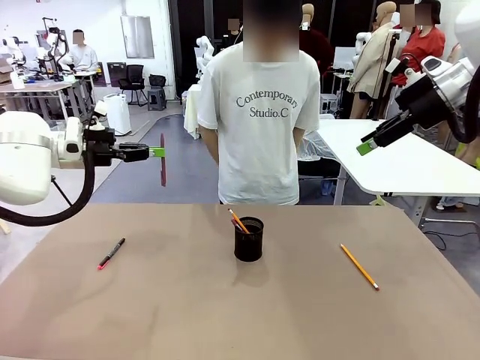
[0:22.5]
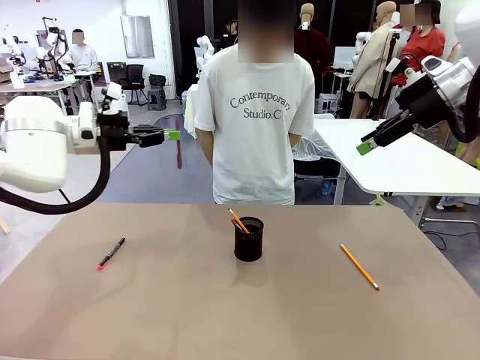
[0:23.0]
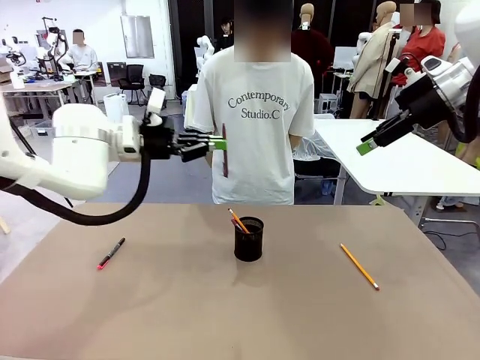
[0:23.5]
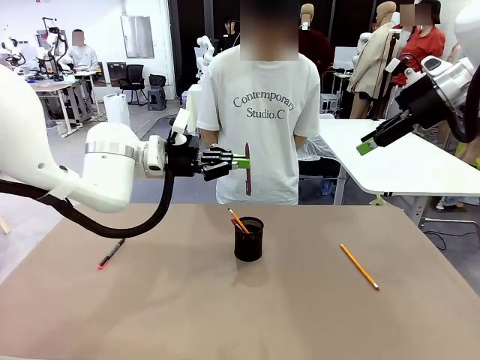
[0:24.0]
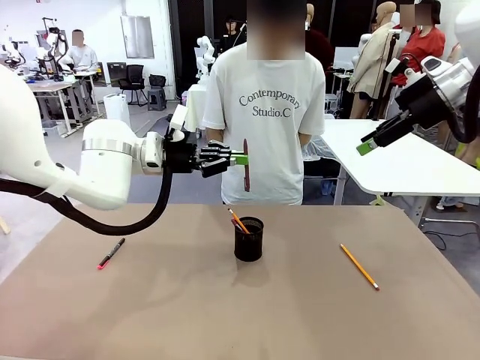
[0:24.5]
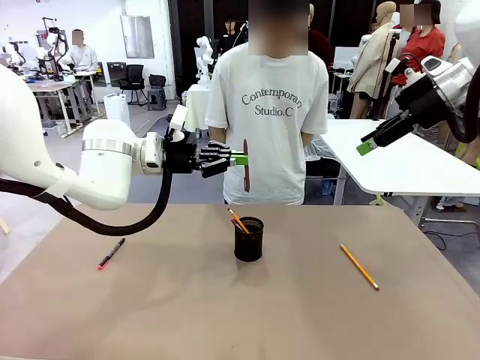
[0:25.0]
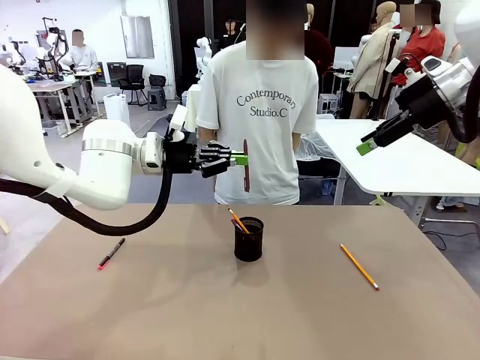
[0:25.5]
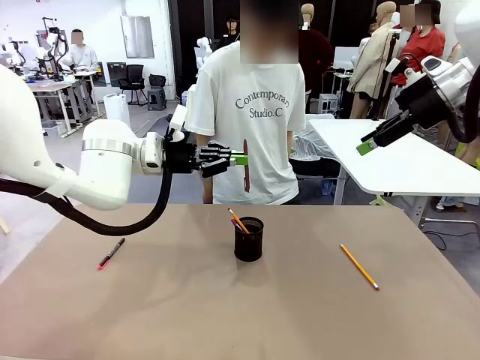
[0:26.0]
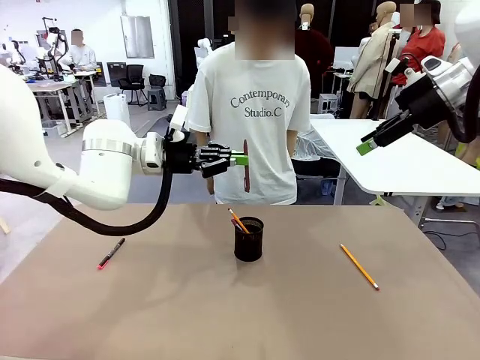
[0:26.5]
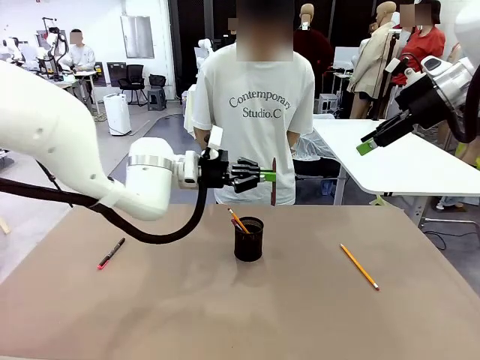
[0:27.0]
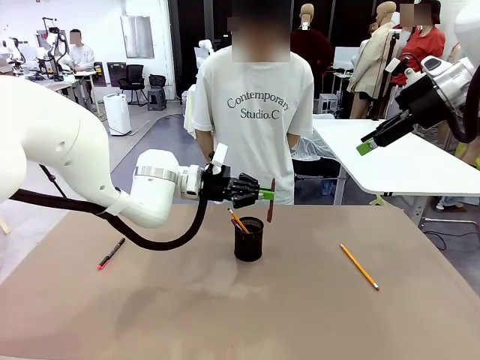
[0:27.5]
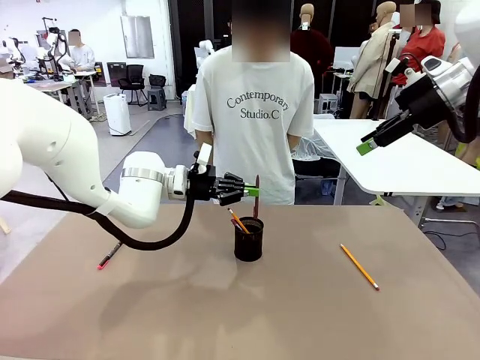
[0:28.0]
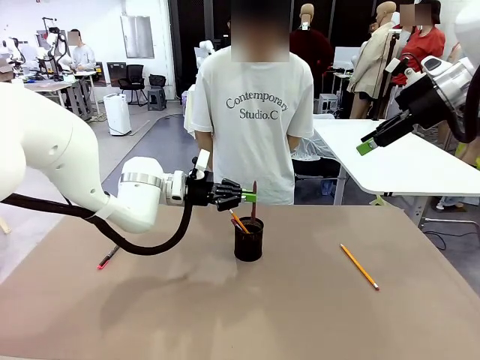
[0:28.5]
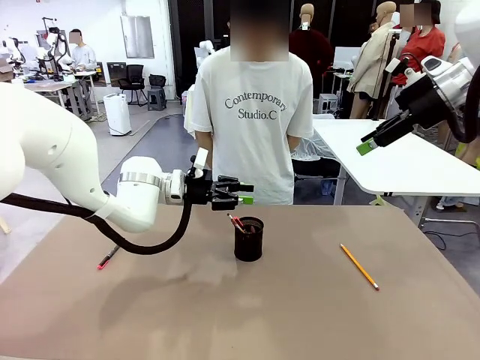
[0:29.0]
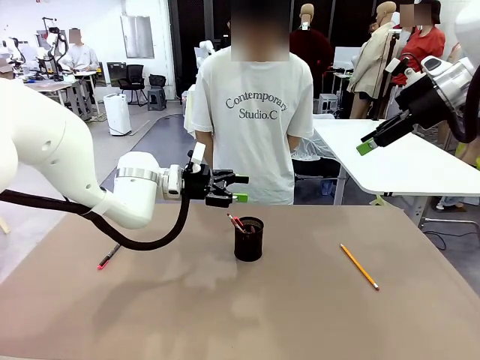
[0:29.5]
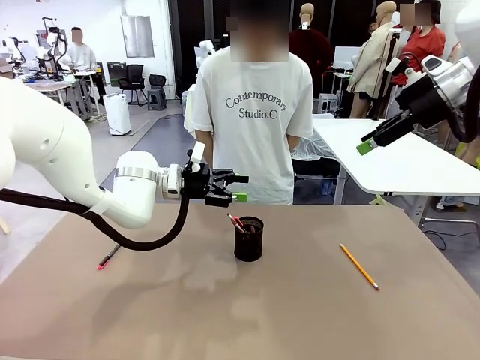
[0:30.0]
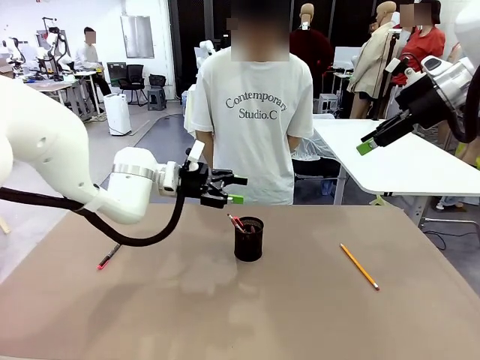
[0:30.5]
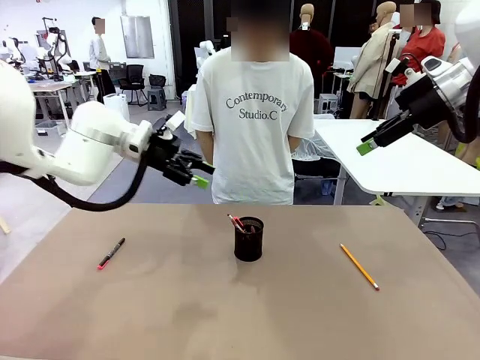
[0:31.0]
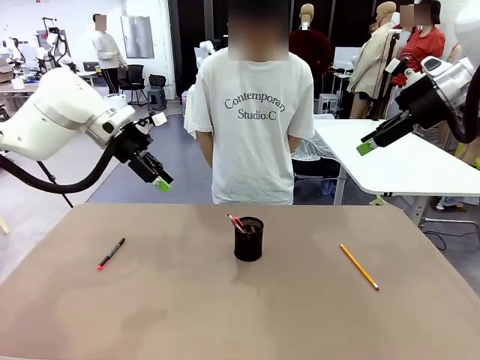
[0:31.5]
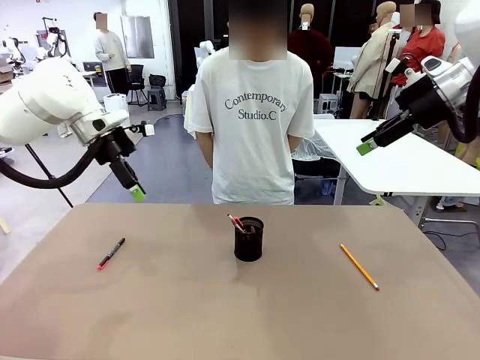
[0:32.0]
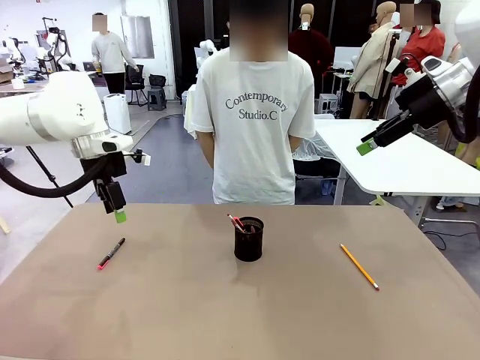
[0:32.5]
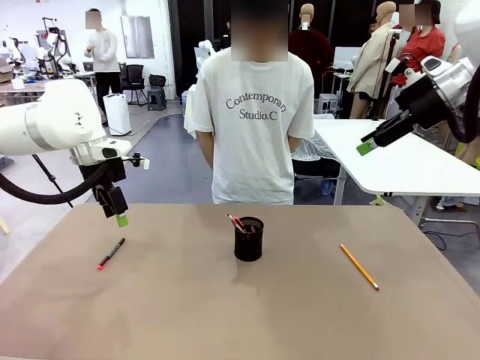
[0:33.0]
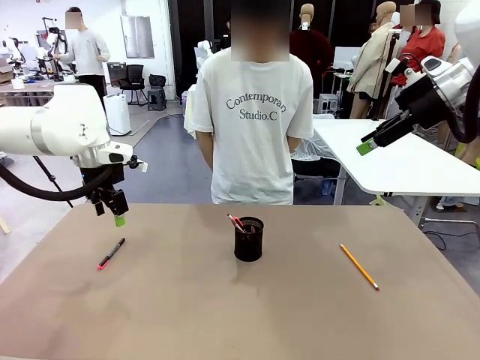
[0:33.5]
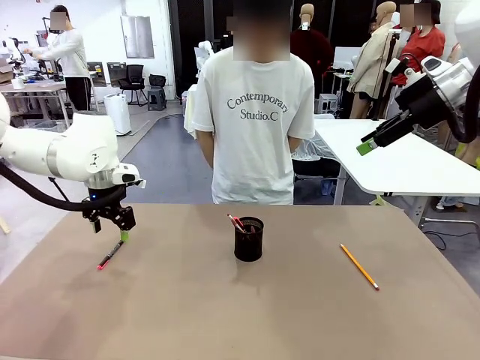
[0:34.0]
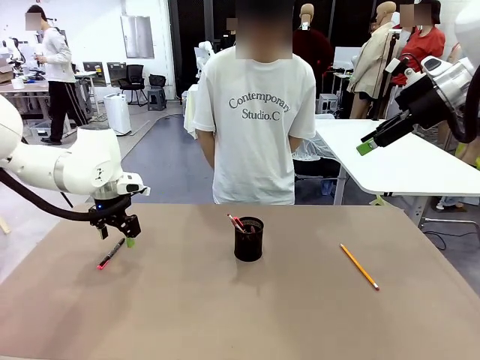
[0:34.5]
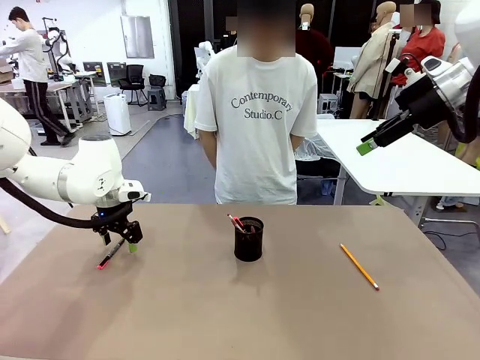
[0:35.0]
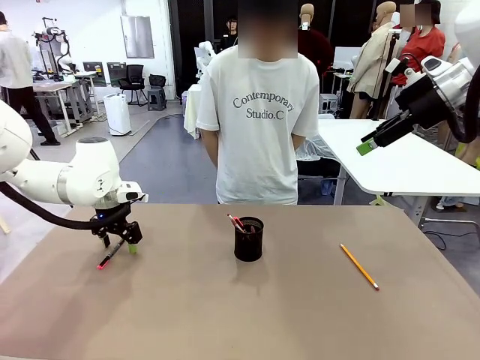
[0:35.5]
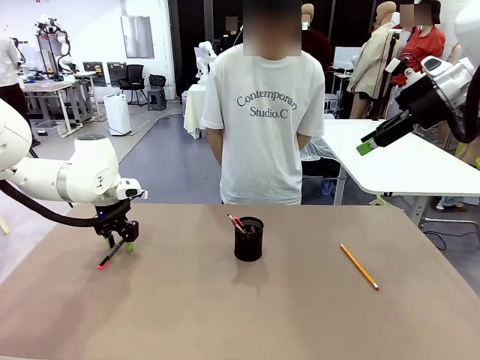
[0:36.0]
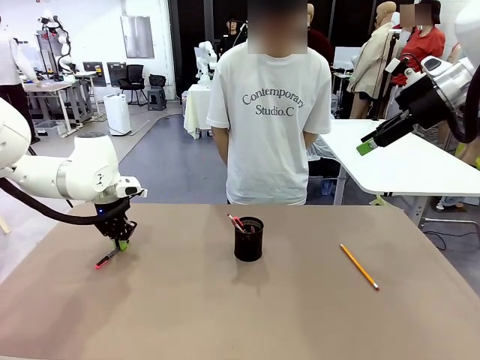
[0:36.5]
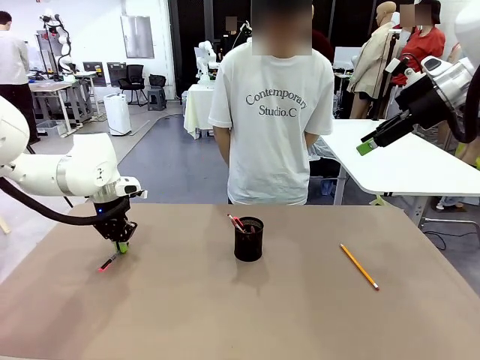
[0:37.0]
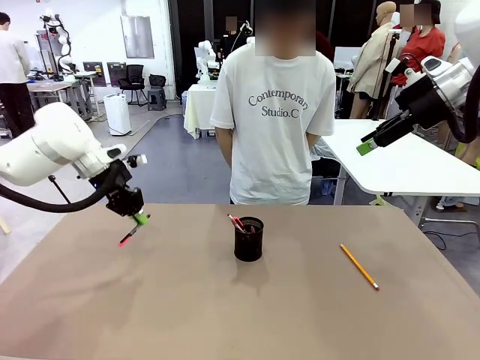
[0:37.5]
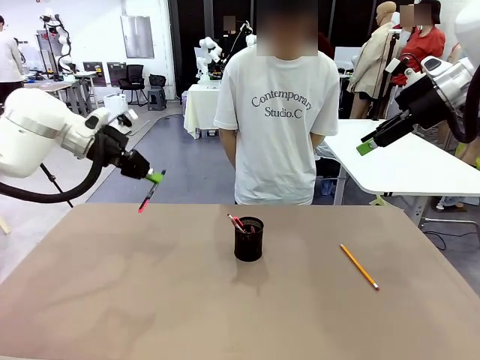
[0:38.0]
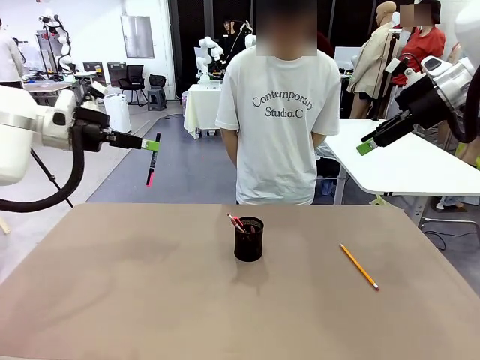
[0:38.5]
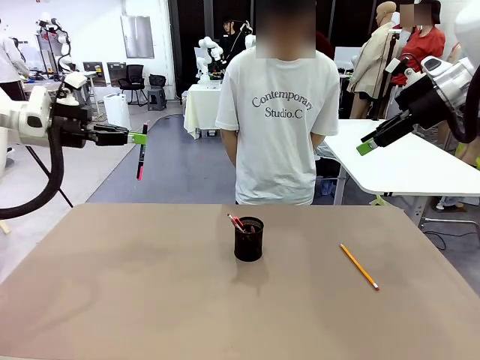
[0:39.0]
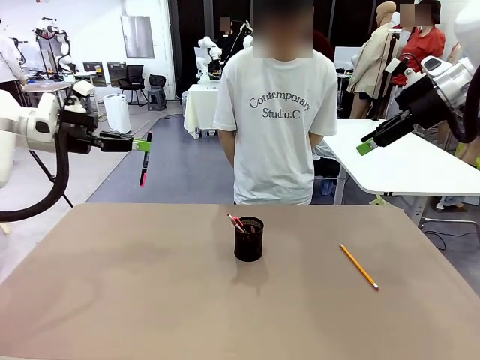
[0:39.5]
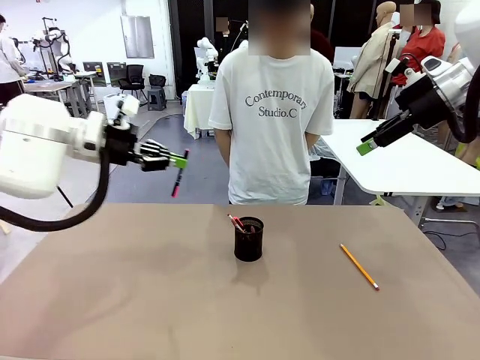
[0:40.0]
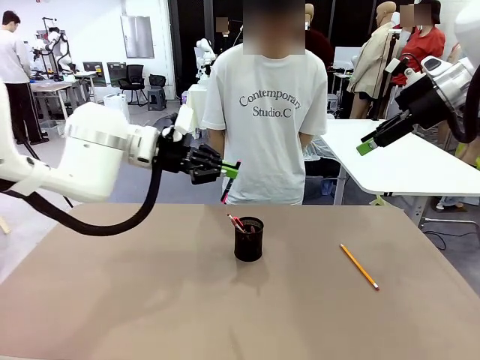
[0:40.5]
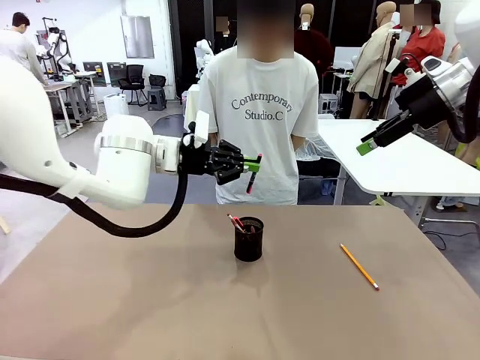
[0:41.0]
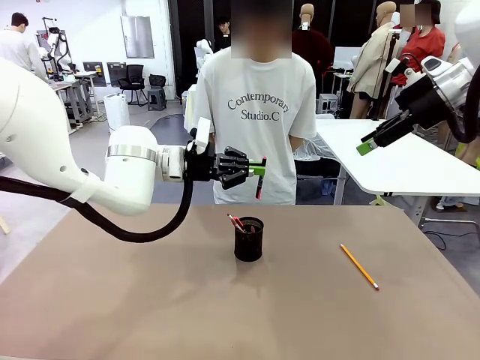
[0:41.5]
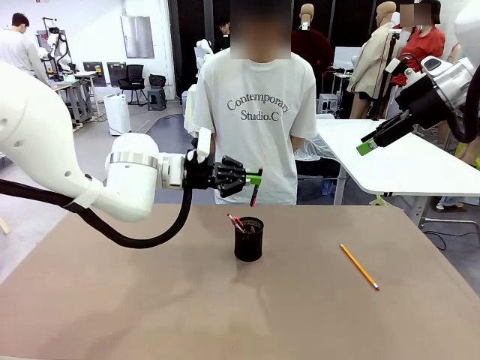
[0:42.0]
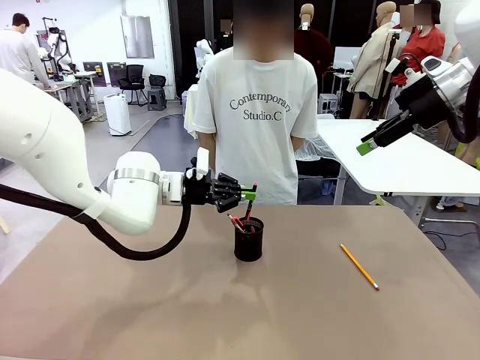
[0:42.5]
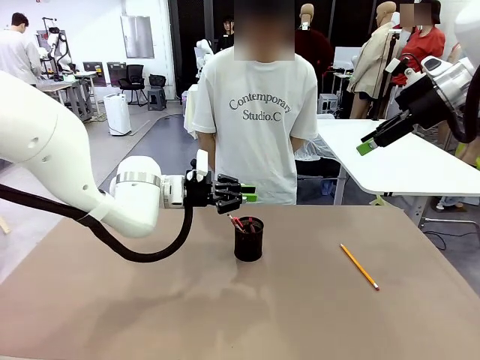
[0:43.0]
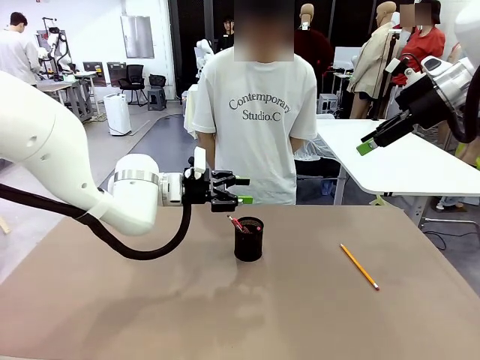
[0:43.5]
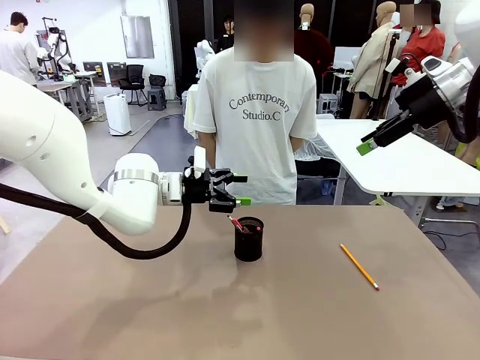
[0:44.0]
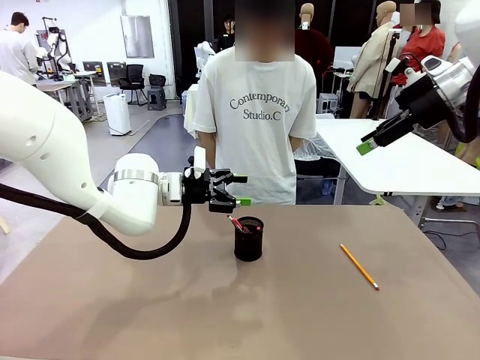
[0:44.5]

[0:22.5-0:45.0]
Task: Place the pens into the pen holder.
Robot: Pick up a writing instrument from the table and place it into the Pen holder.
